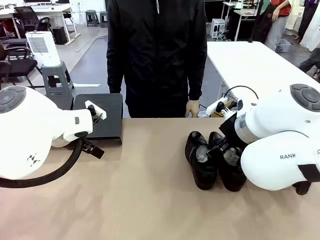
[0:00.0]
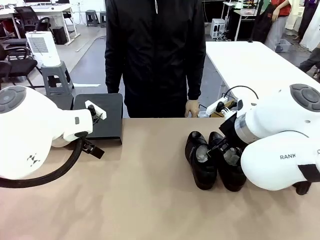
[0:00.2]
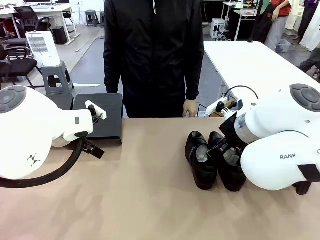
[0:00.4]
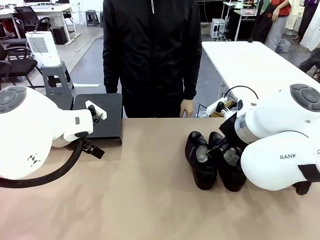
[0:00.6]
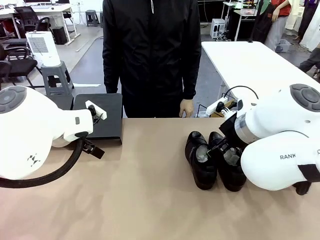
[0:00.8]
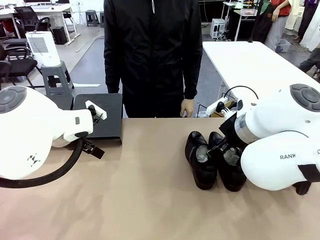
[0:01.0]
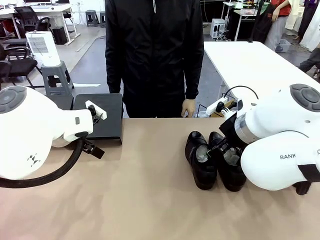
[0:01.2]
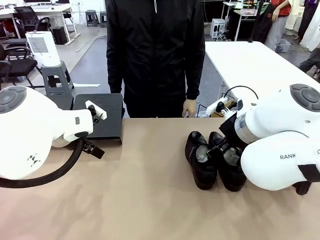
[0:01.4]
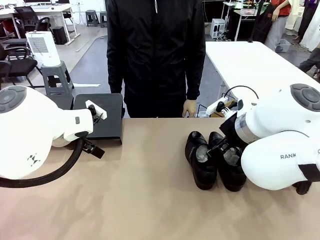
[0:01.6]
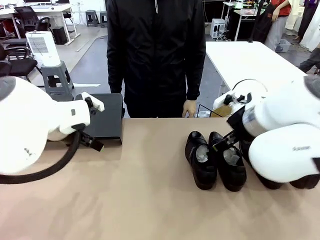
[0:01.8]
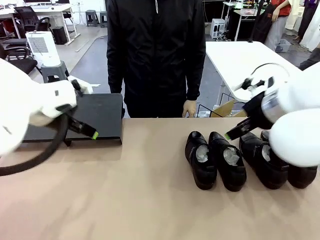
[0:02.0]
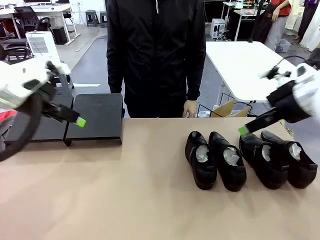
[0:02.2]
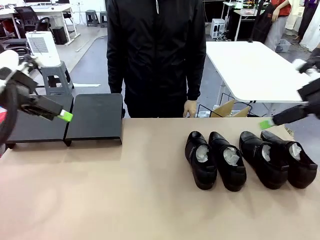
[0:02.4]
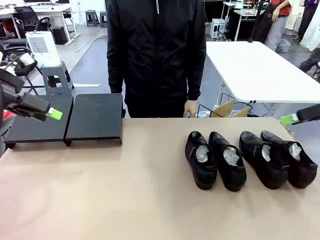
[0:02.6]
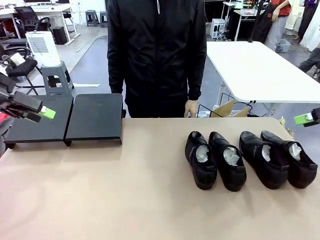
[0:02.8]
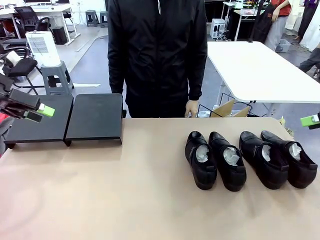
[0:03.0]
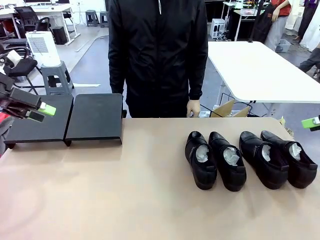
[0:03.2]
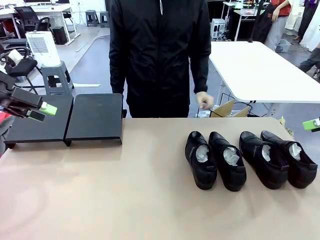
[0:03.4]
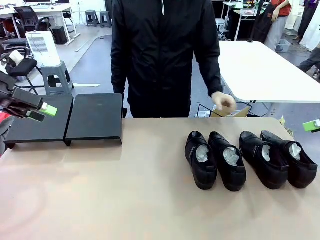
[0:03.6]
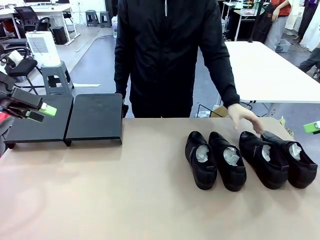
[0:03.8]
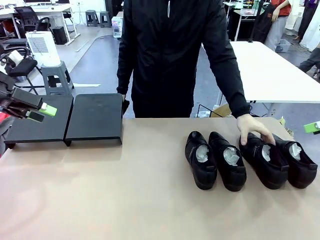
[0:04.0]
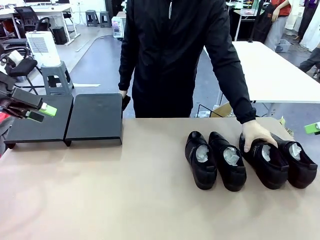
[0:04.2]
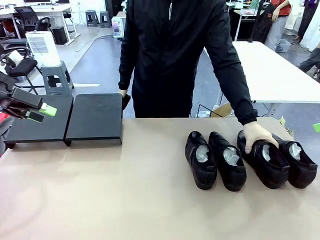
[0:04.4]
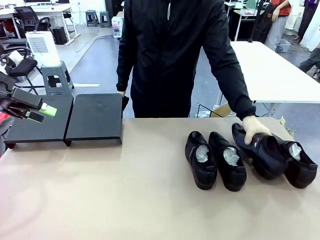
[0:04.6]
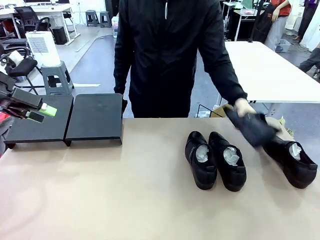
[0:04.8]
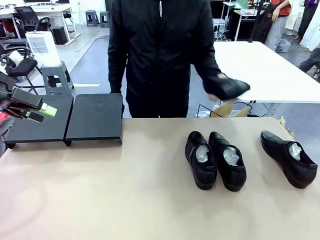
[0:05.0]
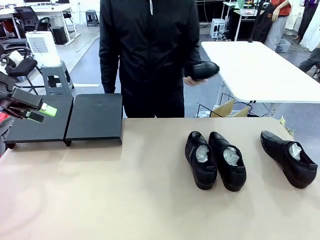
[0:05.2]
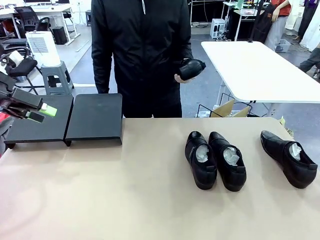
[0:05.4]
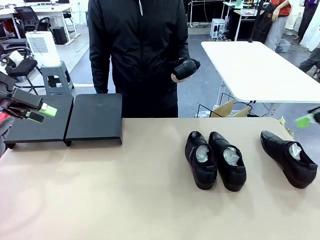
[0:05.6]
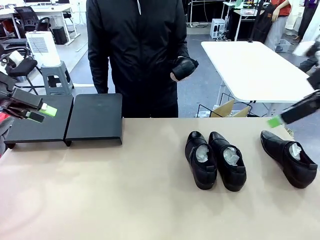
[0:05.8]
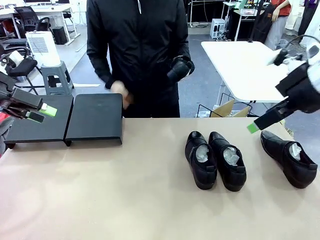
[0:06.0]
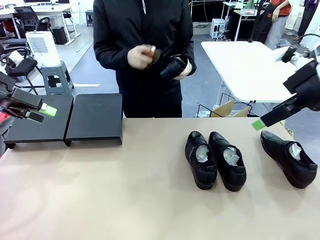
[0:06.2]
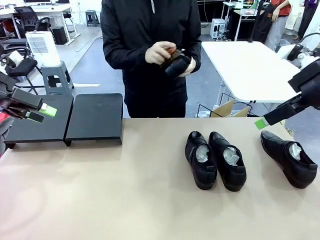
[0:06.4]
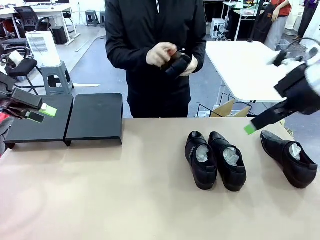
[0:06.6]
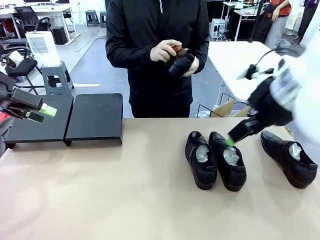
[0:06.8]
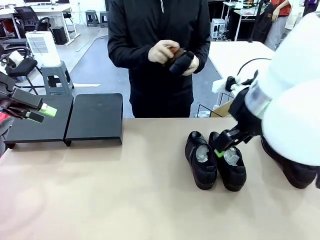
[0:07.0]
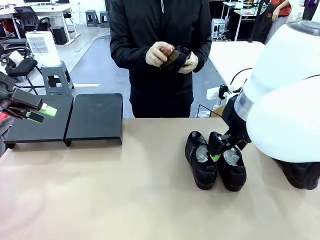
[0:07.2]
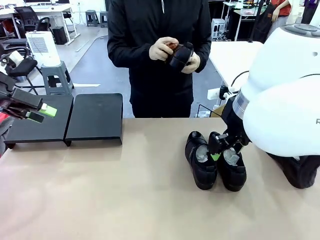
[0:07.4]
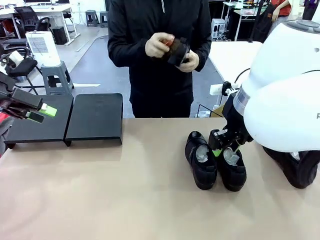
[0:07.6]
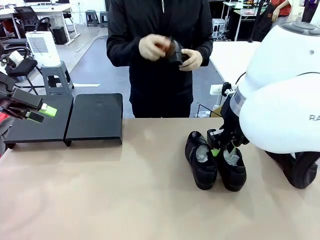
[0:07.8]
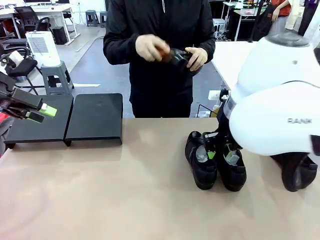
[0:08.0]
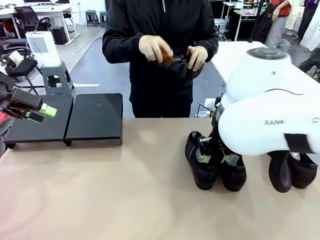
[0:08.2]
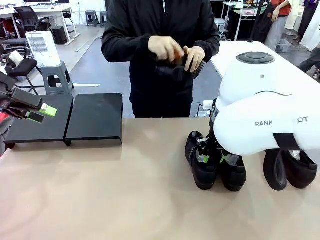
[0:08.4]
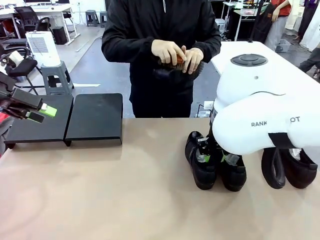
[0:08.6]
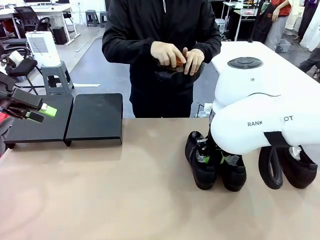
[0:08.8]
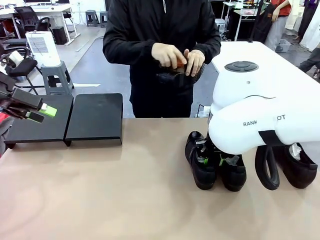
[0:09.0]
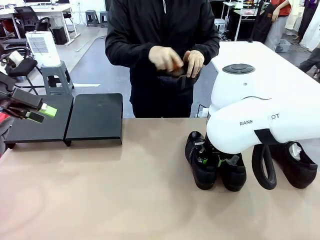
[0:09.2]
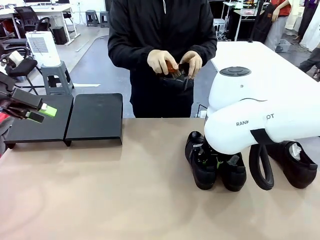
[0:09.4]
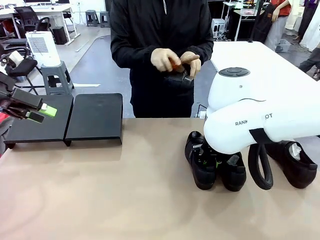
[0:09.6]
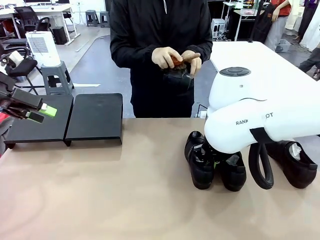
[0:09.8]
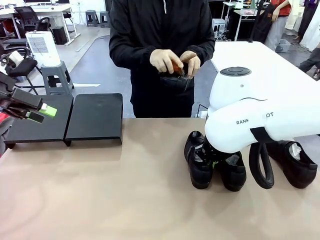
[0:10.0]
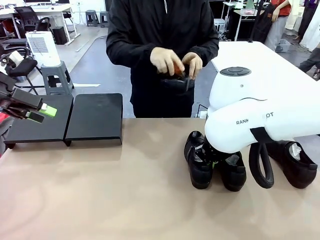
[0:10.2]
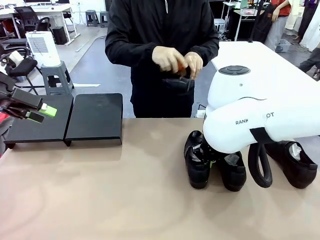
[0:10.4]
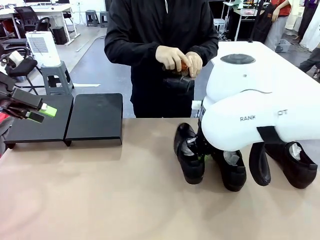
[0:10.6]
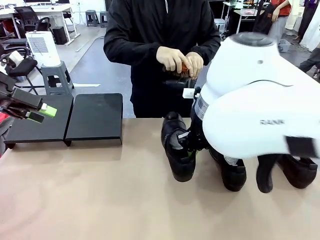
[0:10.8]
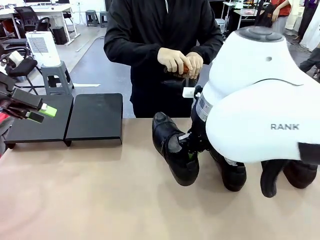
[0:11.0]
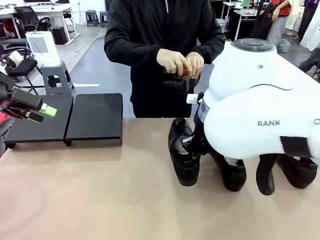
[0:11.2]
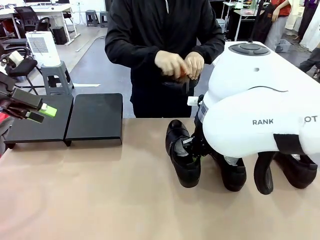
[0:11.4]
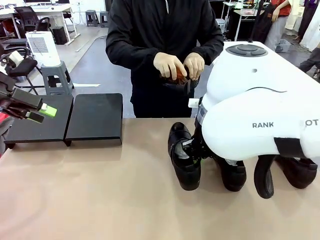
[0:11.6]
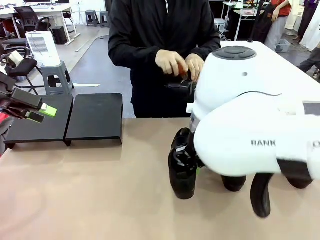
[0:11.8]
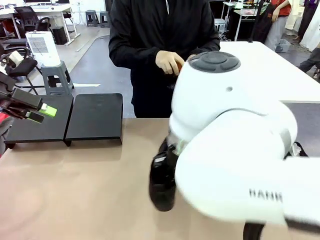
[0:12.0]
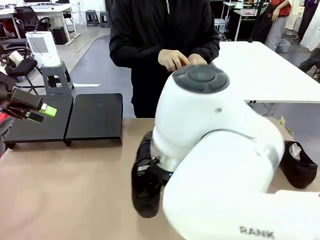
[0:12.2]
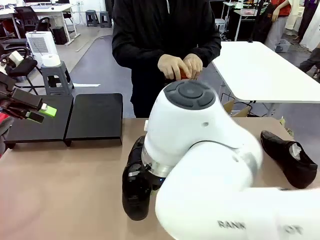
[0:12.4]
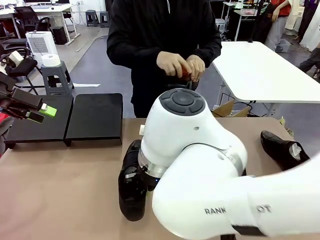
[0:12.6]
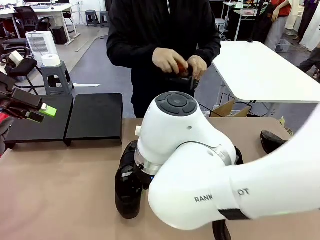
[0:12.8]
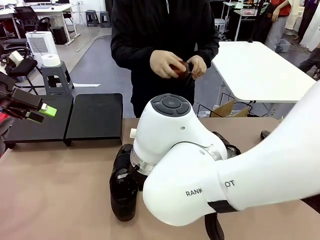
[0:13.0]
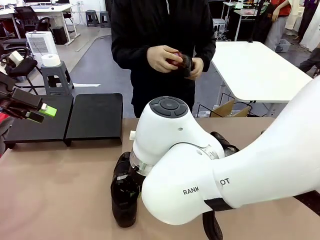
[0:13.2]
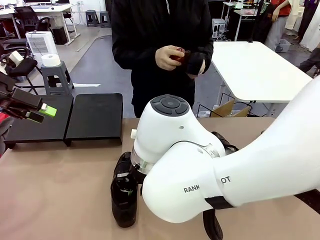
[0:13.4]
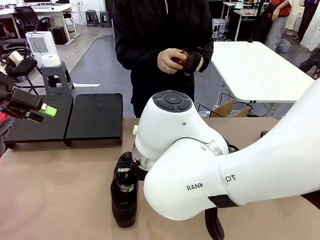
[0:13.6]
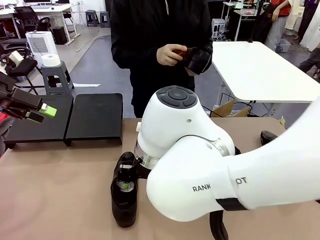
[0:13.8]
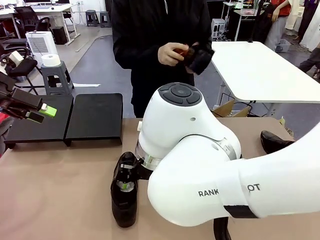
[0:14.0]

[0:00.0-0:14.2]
Task: Organize the shoes by placing them on the stand.
Robot: Pick up one Shoe and place it in the middle of the table.
Person: Pick one Shoe on Robot's table.

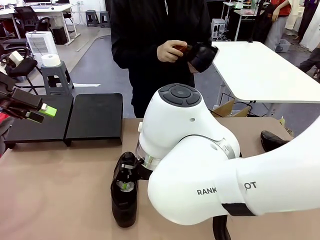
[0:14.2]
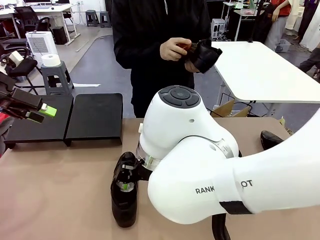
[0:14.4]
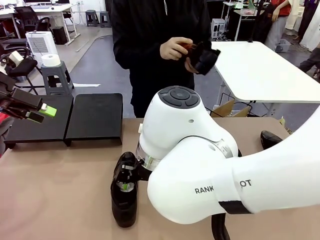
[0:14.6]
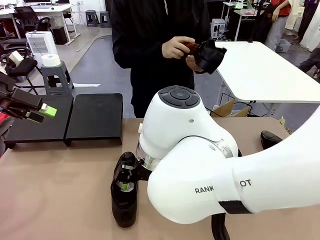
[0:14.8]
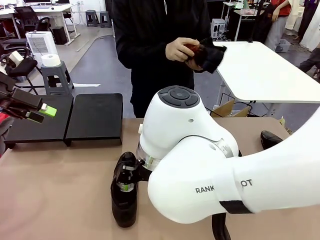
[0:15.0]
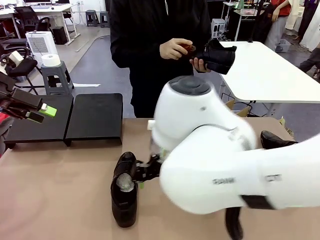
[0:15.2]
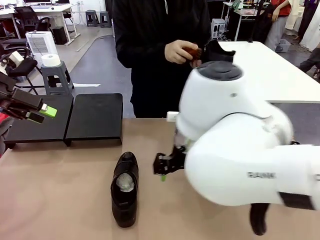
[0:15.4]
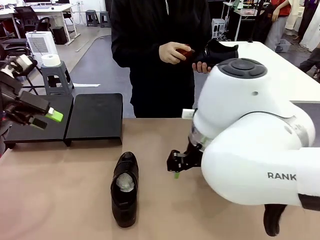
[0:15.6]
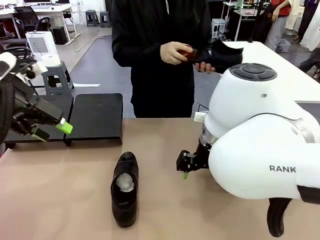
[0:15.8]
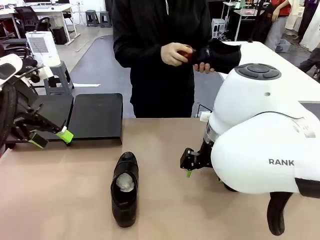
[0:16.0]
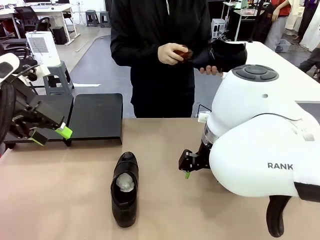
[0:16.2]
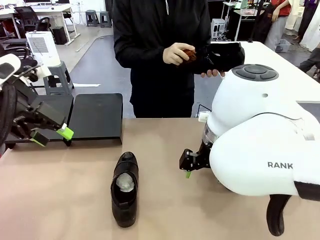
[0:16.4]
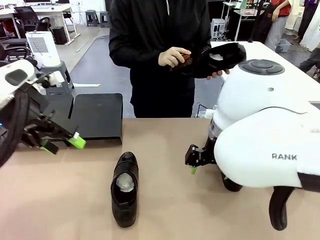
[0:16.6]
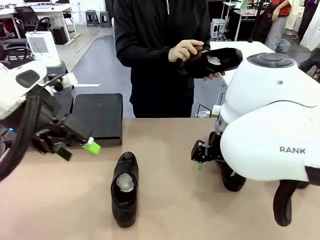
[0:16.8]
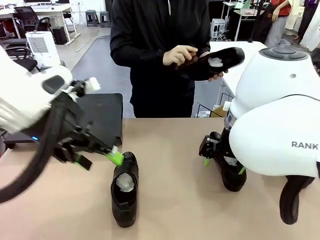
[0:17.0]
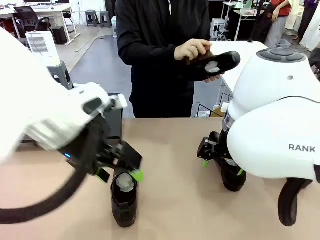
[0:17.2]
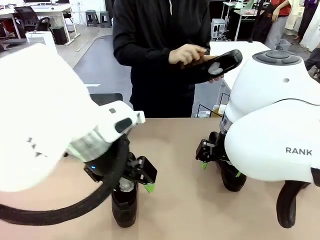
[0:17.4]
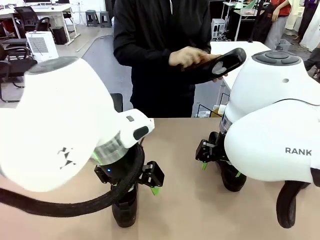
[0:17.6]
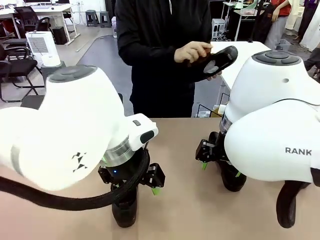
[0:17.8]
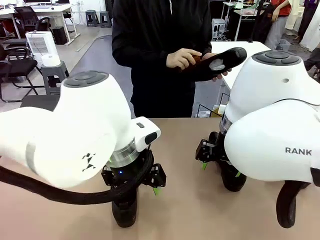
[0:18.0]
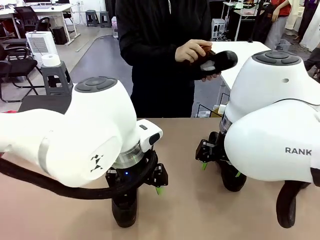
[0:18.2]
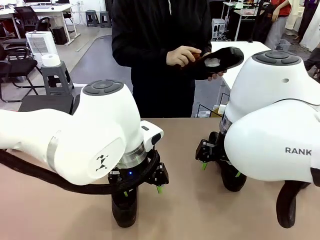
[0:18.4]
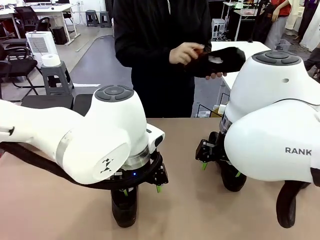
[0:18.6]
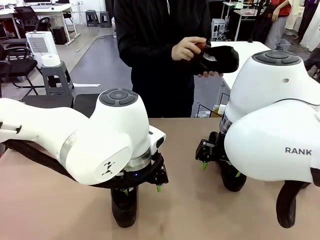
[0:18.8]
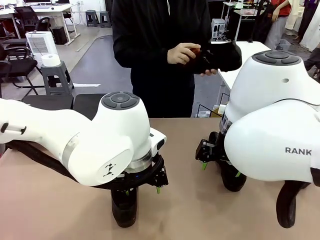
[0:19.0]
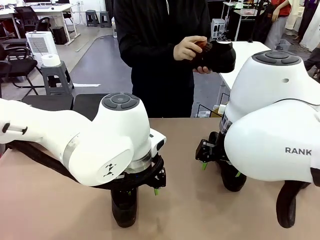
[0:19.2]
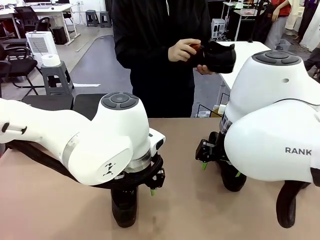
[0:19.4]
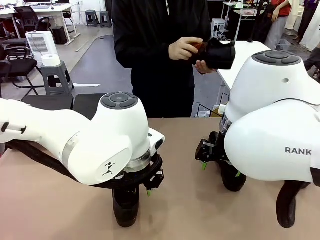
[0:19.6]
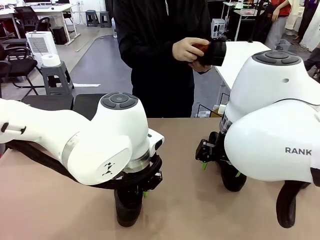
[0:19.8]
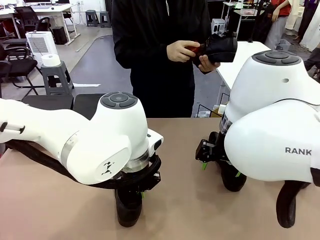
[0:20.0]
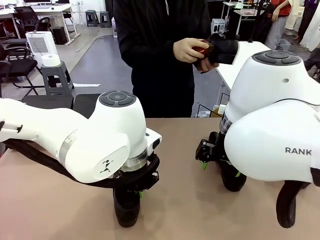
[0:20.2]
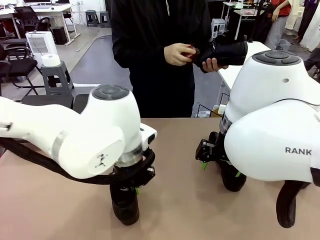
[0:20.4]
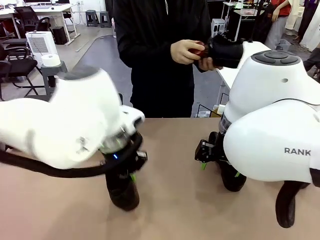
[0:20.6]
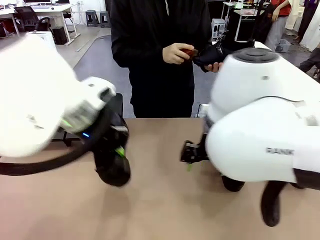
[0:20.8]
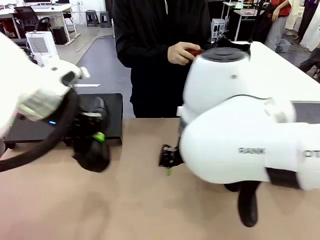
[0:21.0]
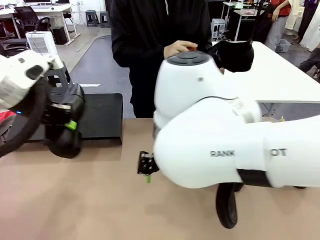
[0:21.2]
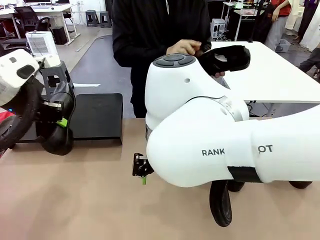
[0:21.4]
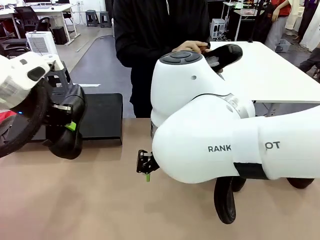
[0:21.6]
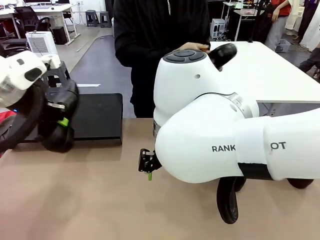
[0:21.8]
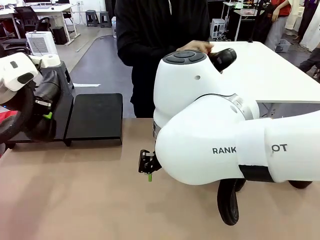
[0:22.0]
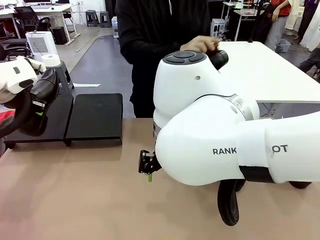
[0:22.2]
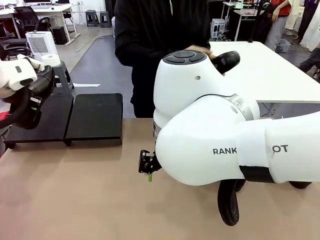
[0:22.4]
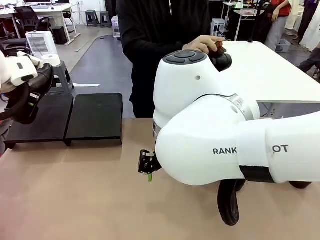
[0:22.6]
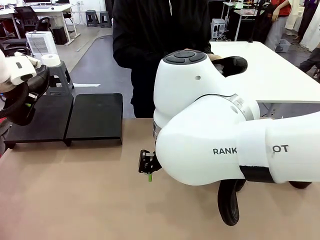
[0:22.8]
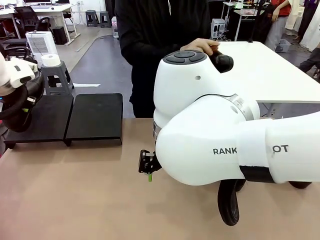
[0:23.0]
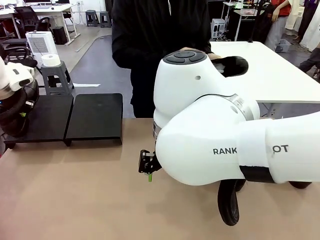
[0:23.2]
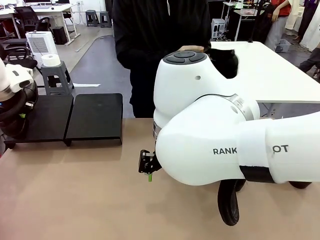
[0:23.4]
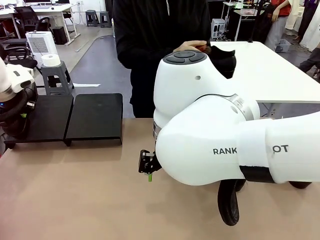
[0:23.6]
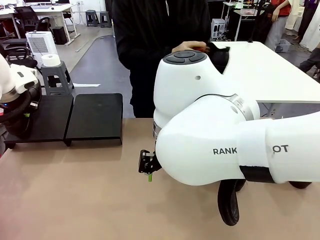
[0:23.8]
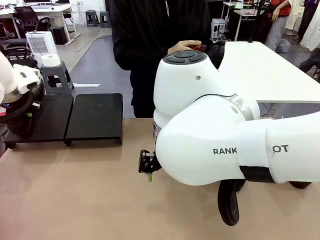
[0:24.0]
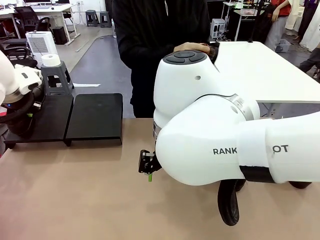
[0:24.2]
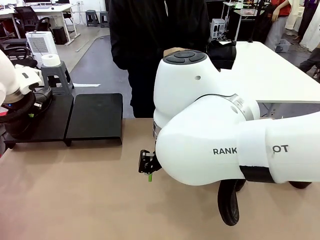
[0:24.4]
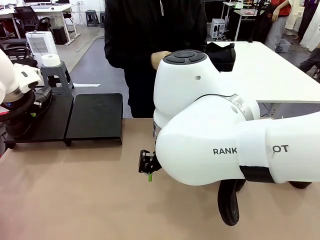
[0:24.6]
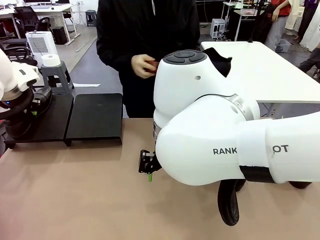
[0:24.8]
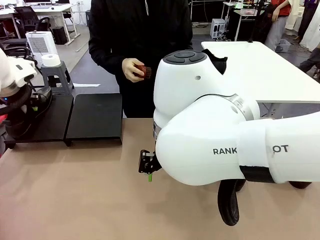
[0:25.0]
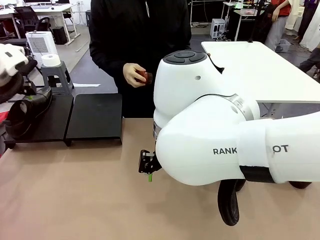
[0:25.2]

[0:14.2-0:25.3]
Robot: Place the Shoe from the middle of the table onto the Shoes Stand.
Person: Clean the Shoe with the Shoe Brush.
